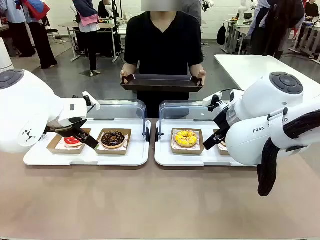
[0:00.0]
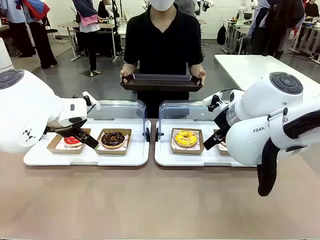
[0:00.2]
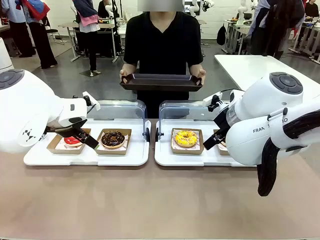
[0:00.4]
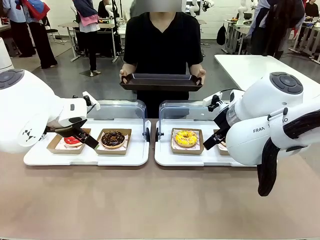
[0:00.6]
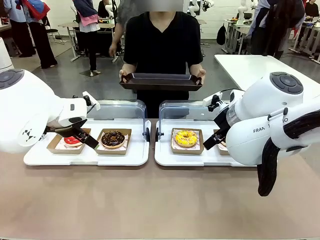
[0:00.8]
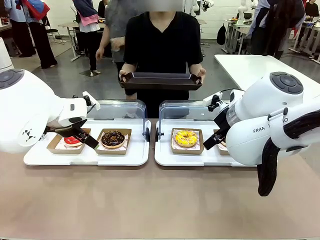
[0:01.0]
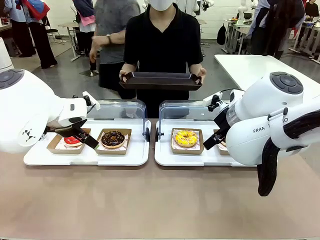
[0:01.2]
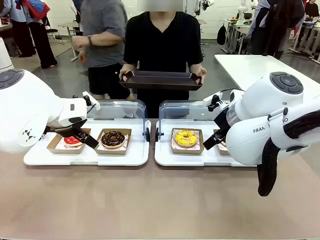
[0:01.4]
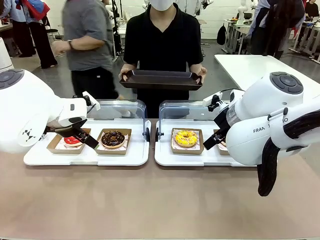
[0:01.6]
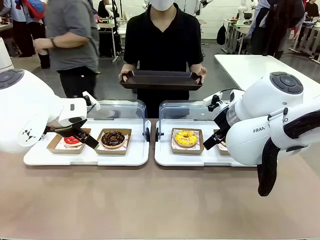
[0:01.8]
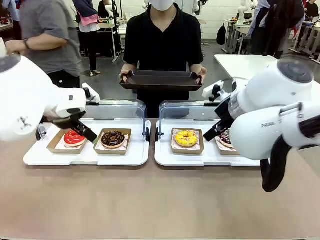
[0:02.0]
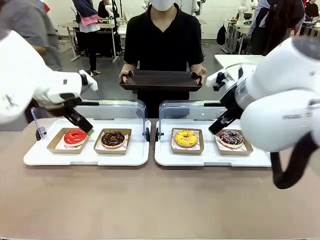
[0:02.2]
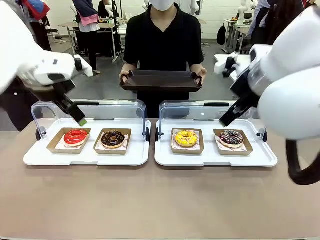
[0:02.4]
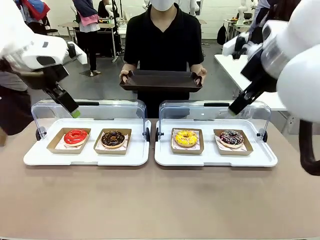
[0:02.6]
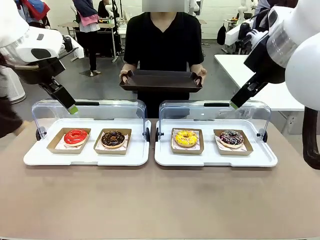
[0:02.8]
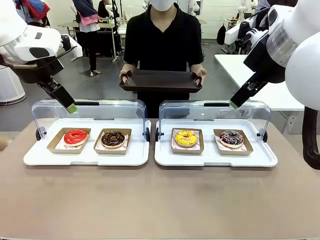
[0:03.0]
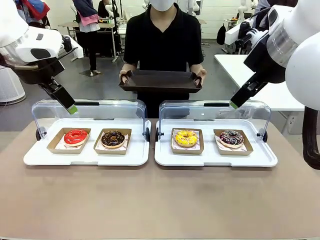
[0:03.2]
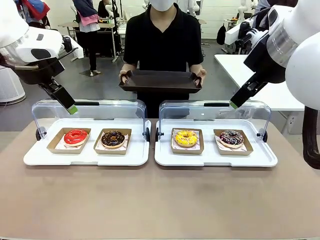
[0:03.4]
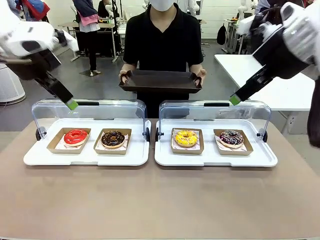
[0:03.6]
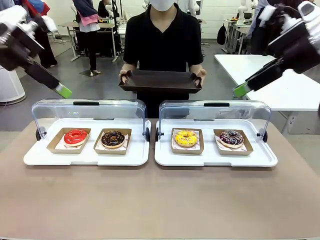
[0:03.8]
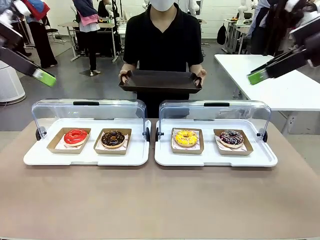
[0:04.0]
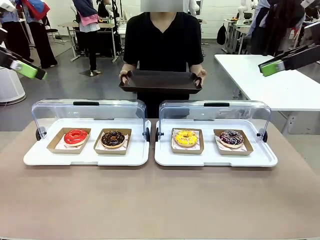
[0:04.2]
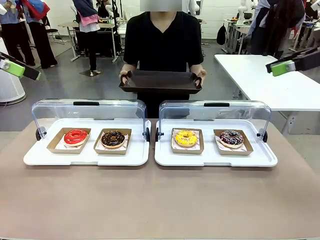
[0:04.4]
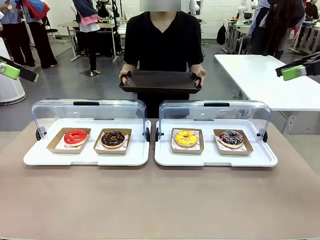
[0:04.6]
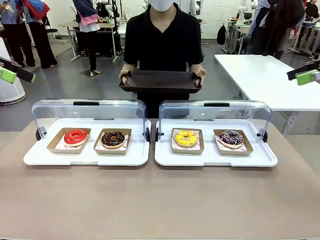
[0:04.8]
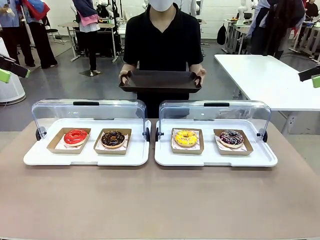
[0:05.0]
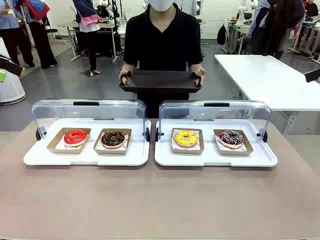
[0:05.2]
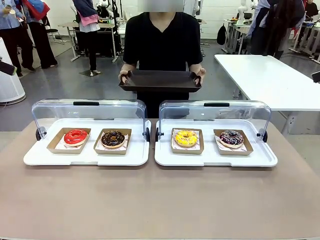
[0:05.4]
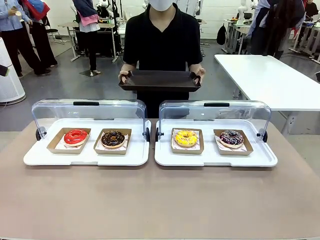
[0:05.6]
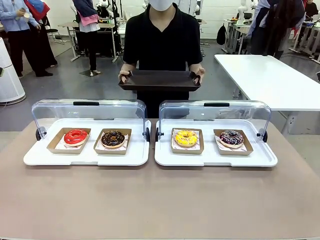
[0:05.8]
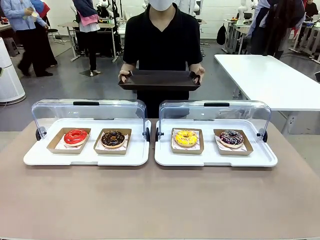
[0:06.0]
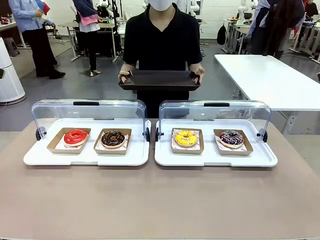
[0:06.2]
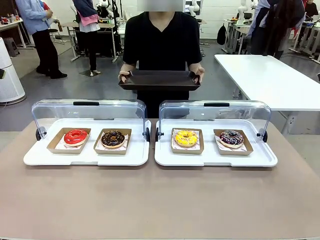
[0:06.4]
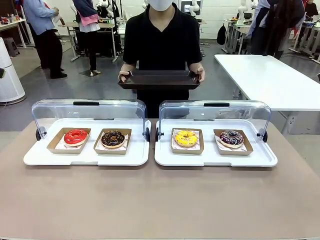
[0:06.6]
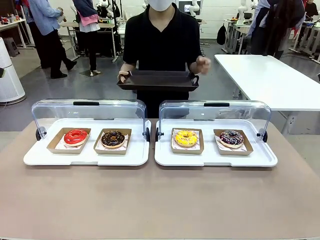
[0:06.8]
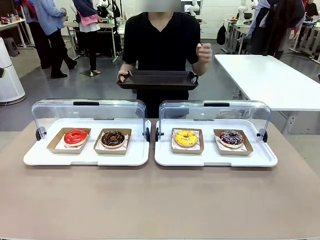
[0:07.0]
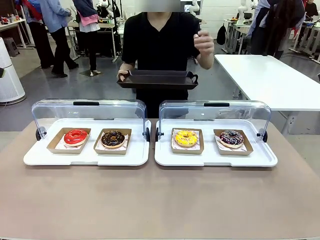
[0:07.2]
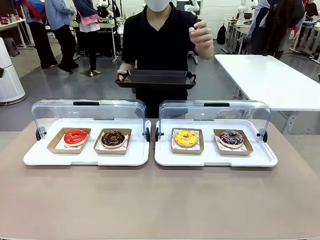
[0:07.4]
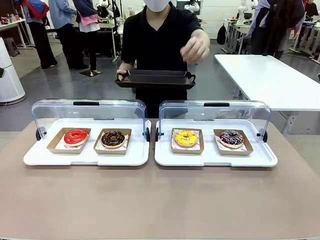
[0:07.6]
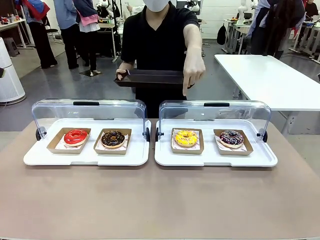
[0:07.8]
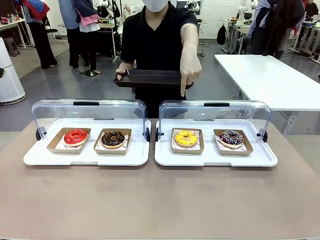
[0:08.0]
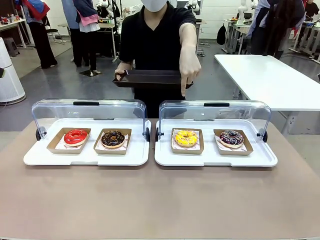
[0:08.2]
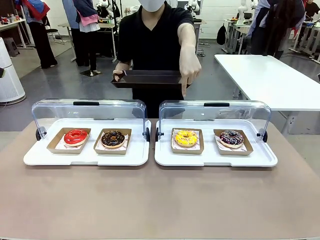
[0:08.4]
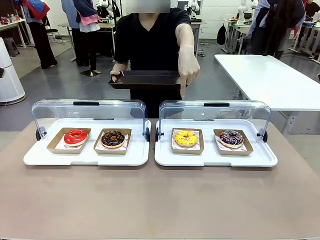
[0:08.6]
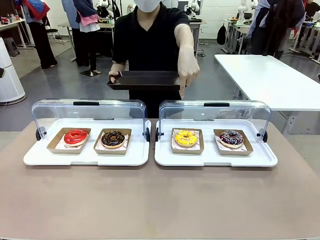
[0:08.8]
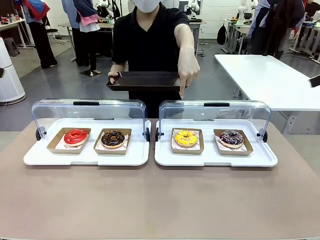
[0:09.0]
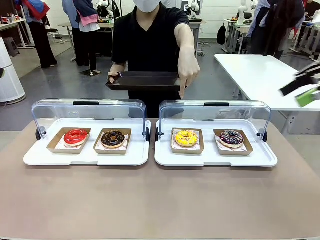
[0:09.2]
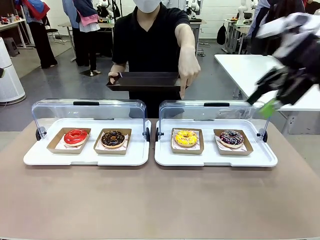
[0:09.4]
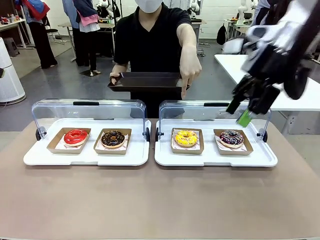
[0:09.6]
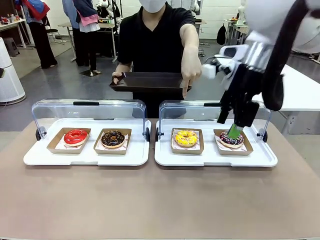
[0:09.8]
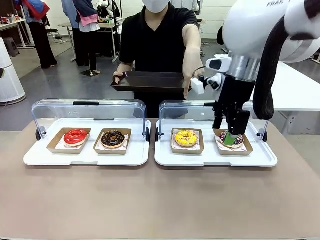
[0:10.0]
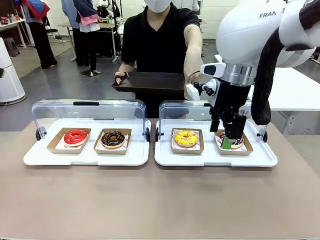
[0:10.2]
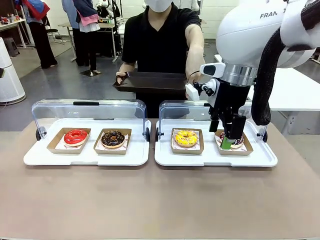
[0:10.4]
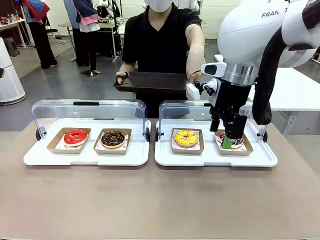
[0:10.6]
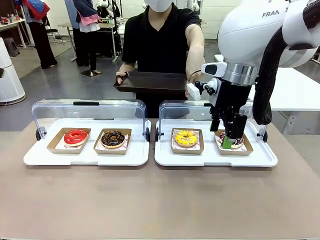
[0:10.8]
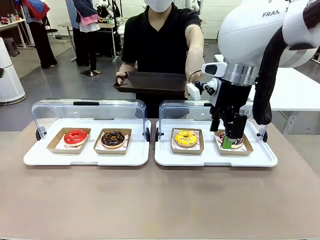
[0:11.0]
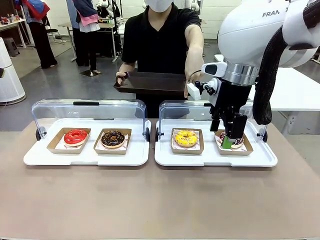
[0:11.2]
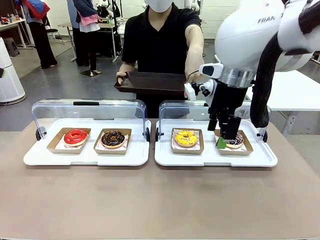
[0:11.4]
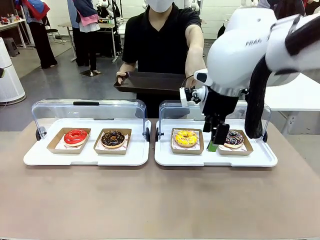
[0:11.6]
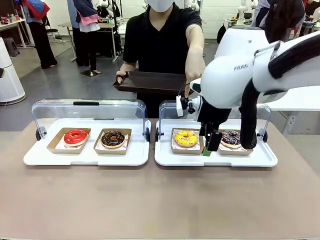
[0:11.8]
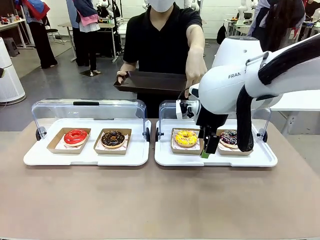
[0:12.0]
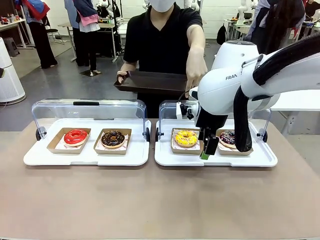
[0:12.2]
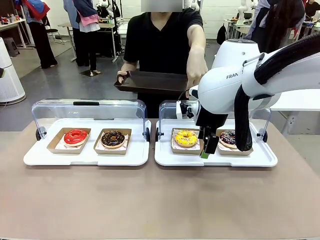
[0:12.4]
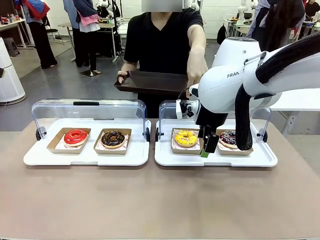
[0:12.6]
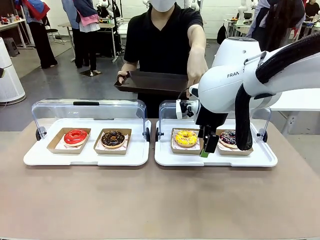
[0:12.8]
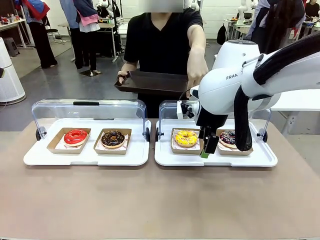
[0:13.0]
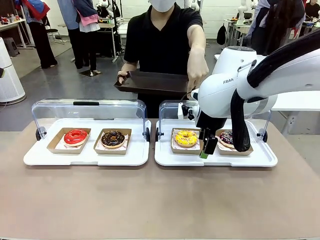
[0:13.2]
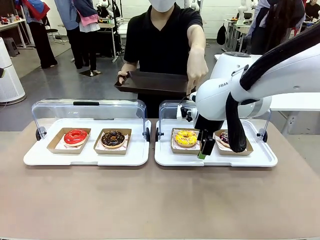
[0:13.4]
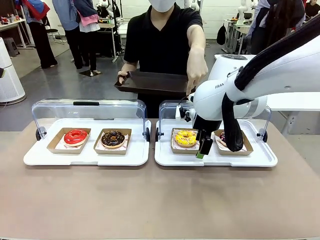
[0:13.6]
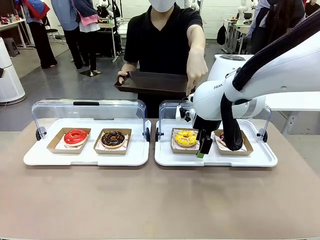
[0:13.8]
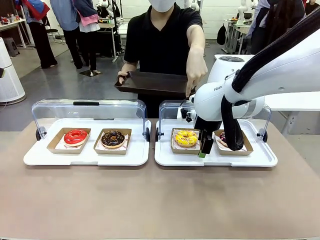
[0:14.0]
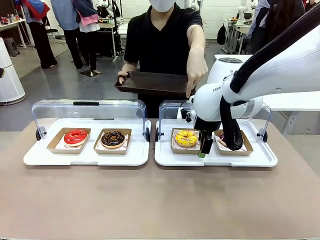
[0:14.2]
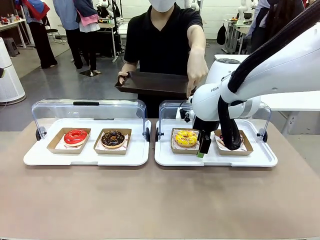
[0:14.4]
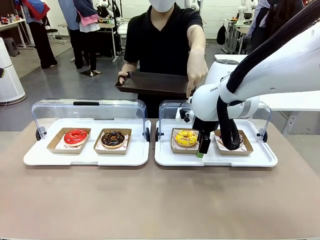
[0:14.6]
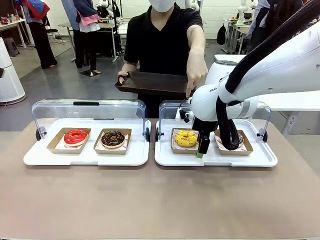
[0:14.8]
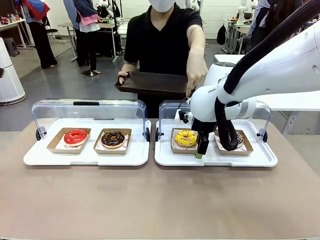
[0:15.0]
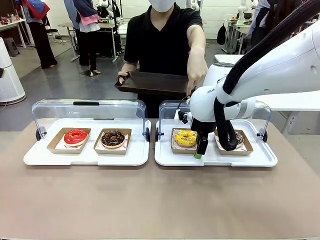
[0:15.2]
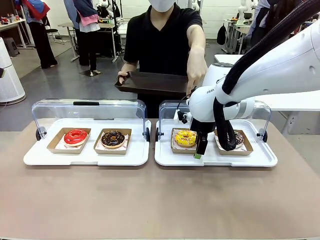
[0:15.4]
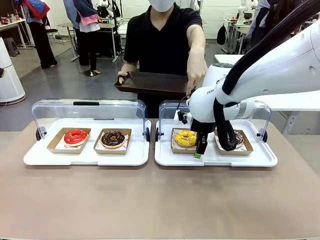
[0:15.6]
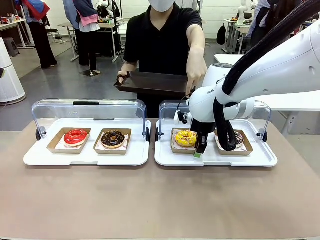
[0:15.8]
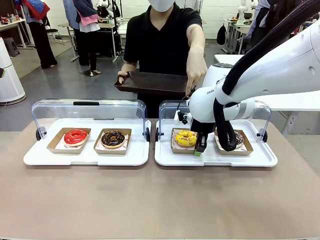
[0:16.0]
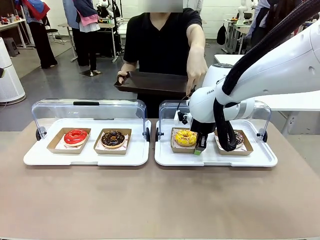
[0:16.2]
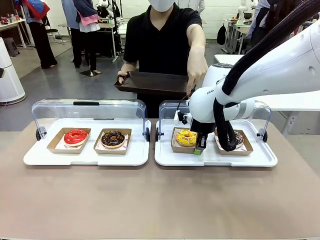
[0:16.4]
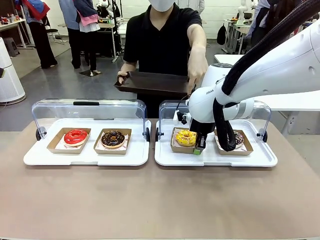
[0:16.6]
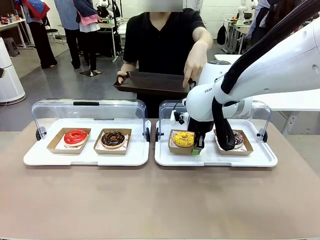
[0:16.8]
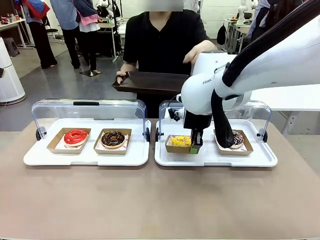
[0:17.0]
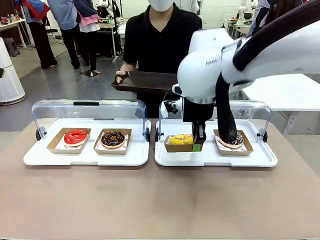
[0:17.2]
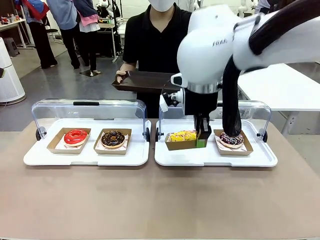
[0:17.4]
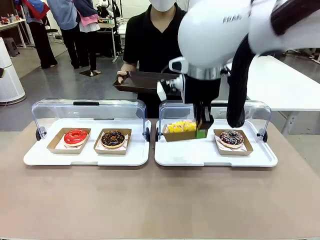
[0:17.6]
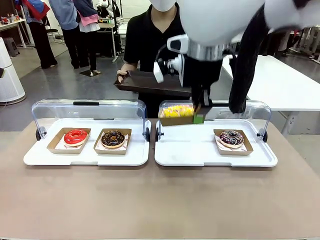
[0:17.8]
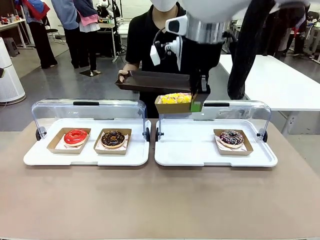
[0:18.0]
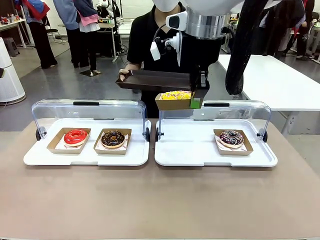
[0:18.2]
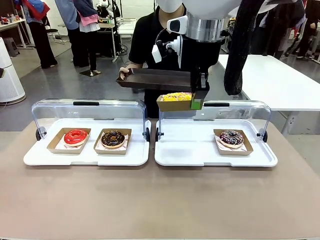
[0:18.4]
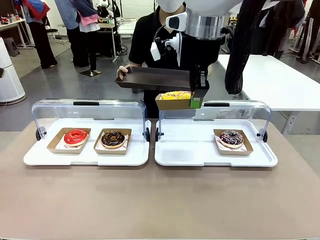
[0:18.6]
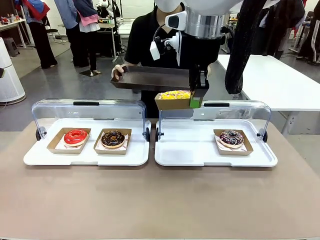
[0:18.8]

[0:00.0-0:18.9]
Task: Provide the desired donut to the person.
Robot: Pick up and lift the Paper togo box containing the Donut pointed at by the person.
Person: Point to one donut. Lift the tray onto the Roll-Top Bakery Case.
